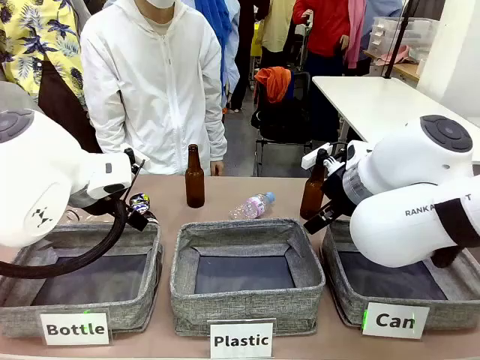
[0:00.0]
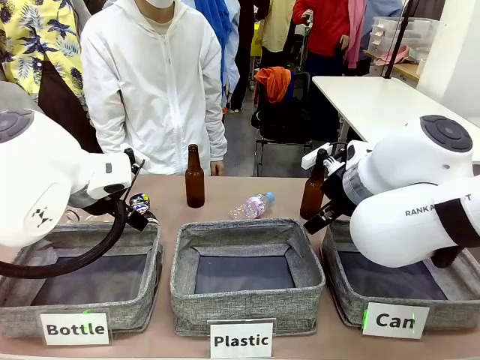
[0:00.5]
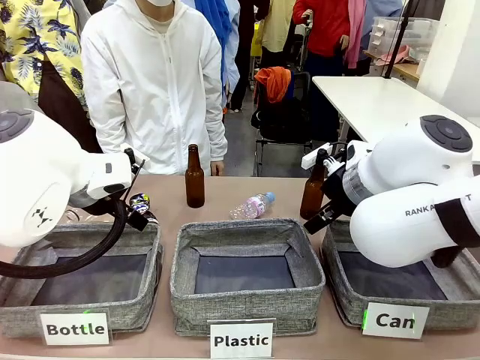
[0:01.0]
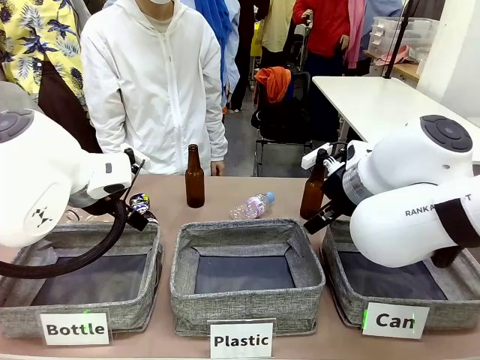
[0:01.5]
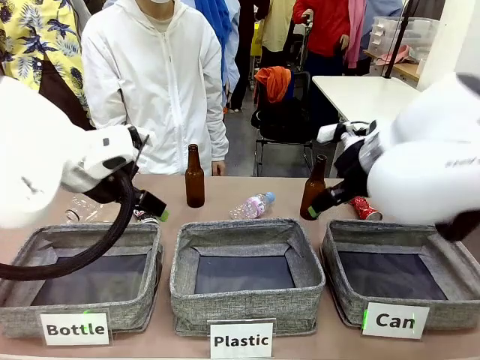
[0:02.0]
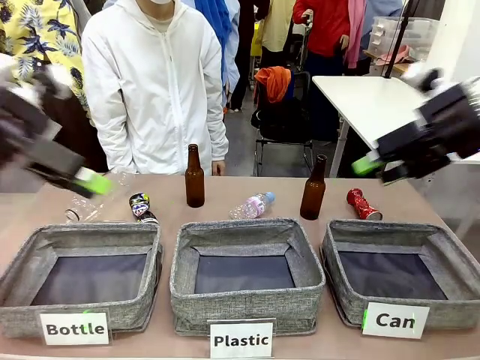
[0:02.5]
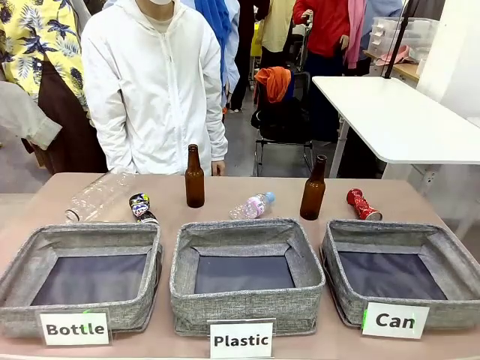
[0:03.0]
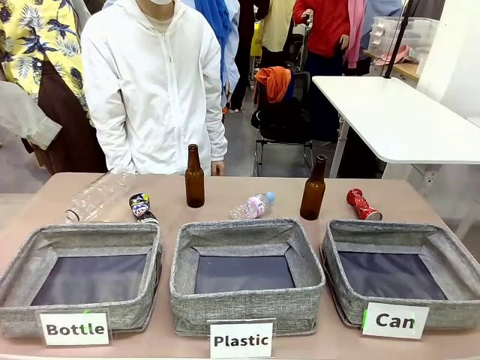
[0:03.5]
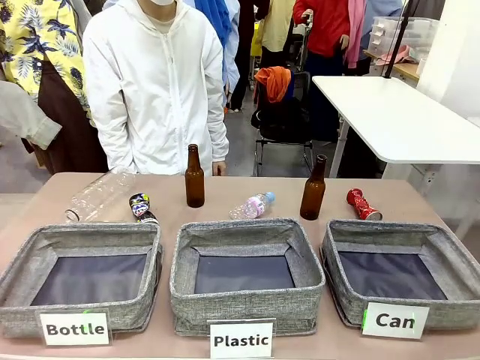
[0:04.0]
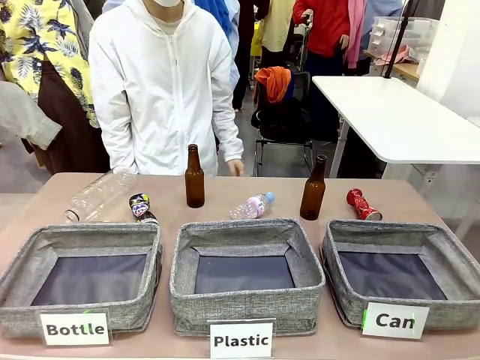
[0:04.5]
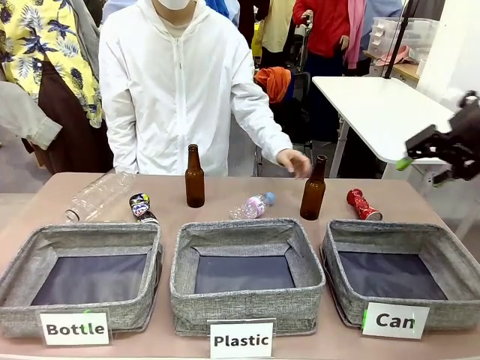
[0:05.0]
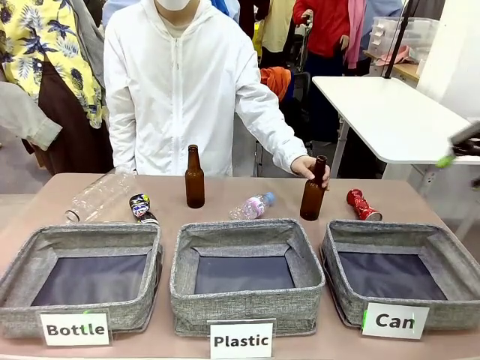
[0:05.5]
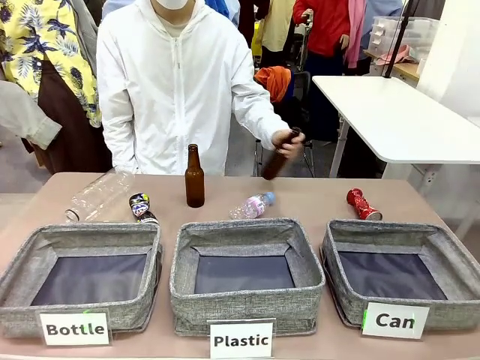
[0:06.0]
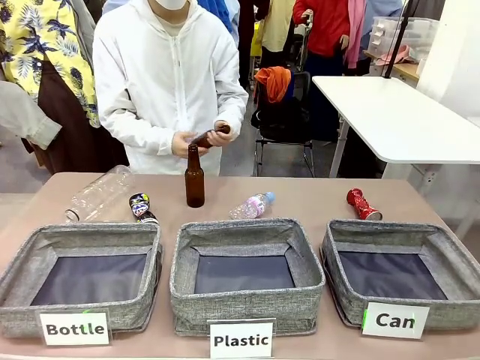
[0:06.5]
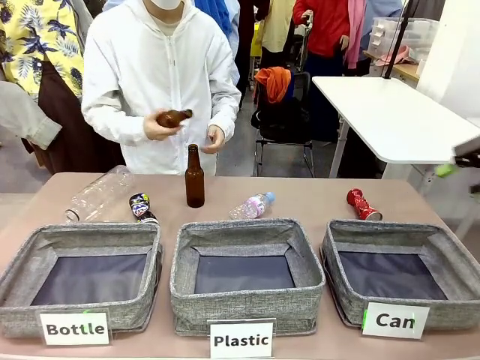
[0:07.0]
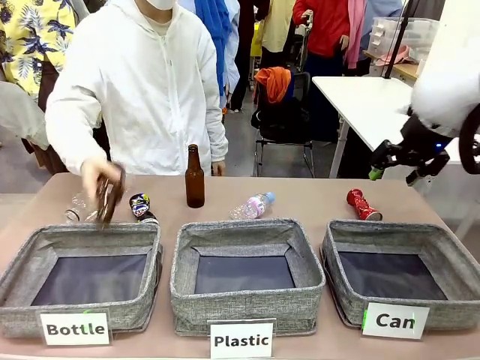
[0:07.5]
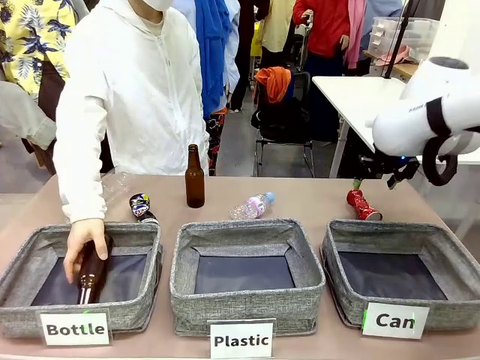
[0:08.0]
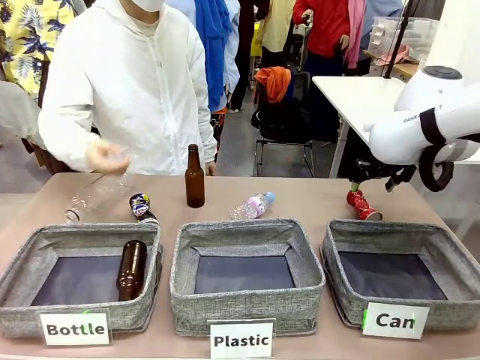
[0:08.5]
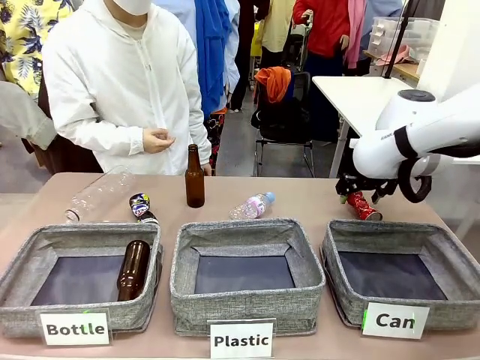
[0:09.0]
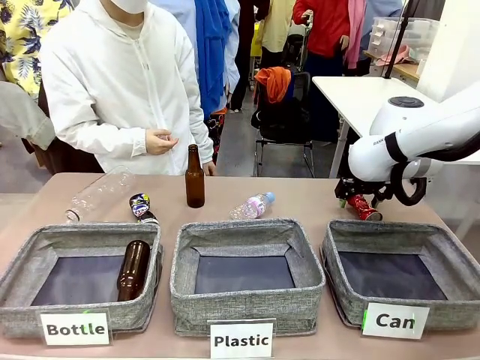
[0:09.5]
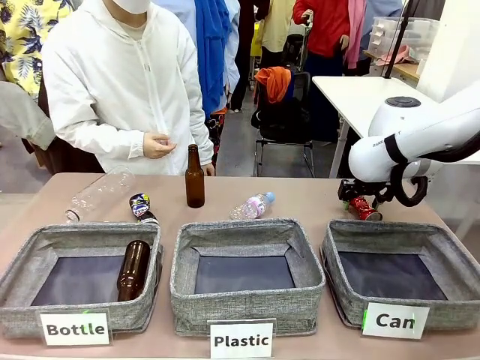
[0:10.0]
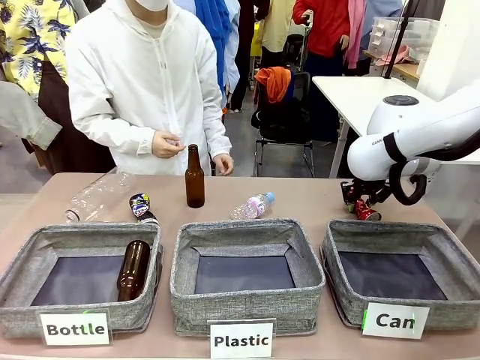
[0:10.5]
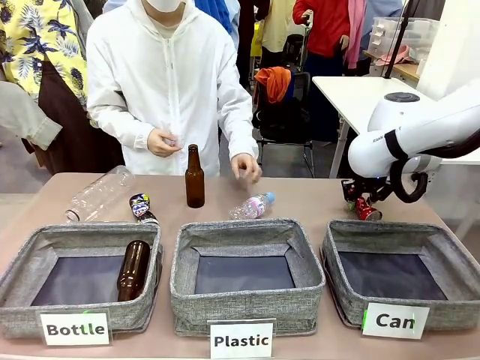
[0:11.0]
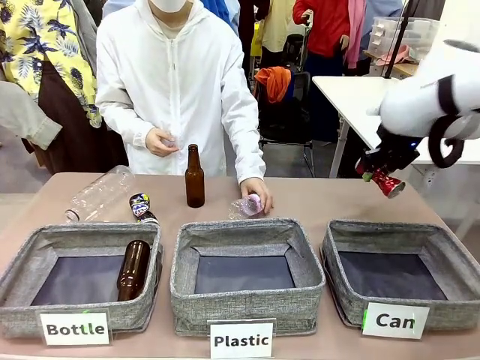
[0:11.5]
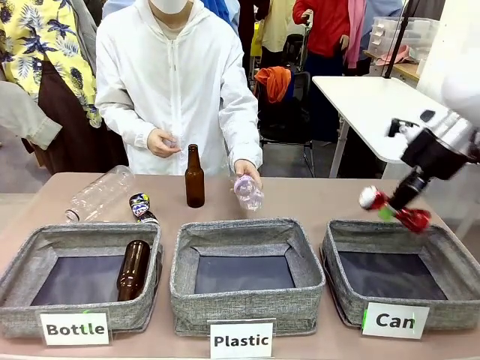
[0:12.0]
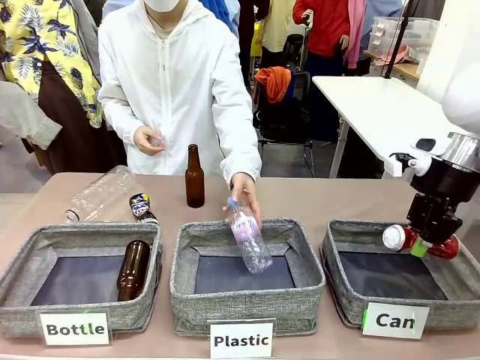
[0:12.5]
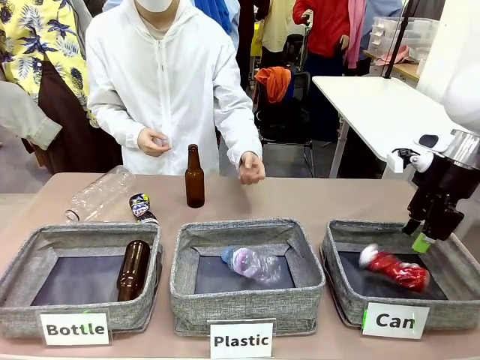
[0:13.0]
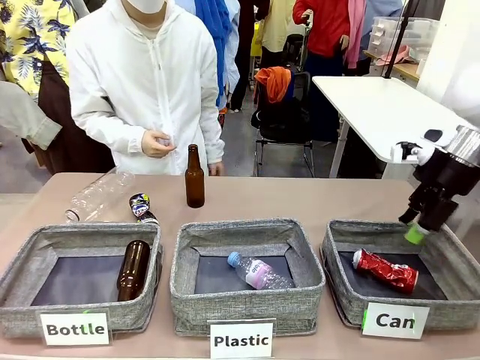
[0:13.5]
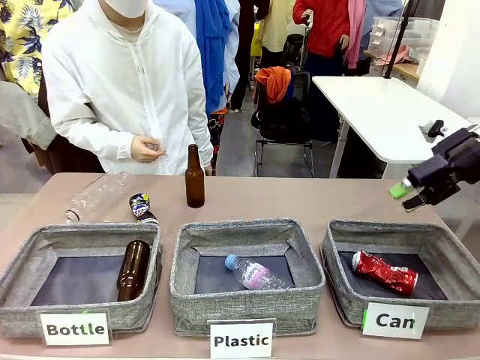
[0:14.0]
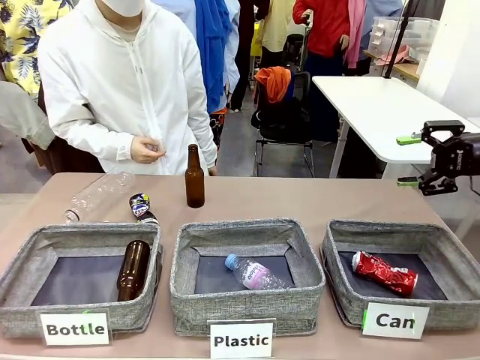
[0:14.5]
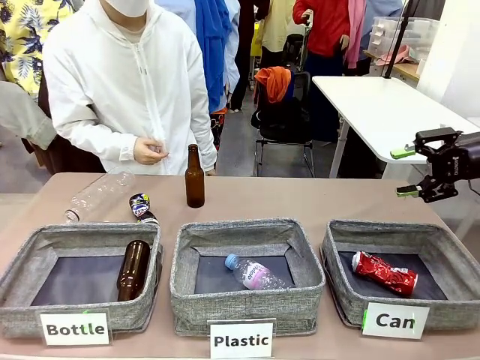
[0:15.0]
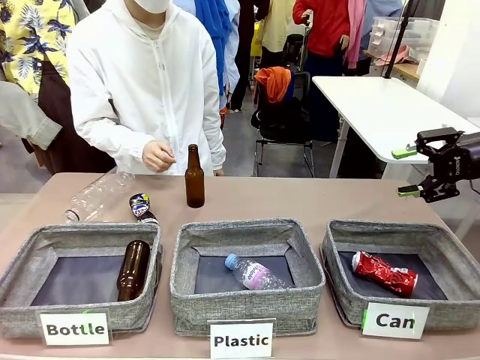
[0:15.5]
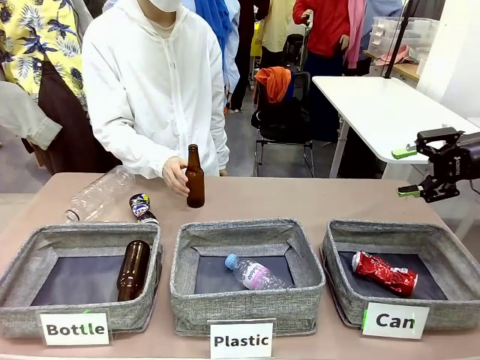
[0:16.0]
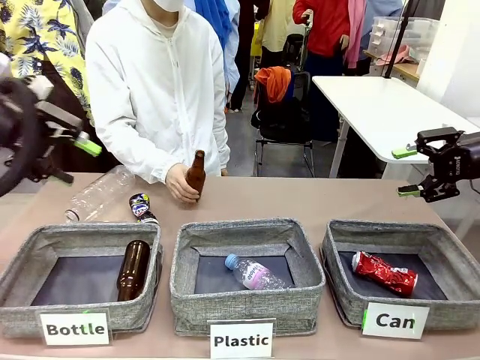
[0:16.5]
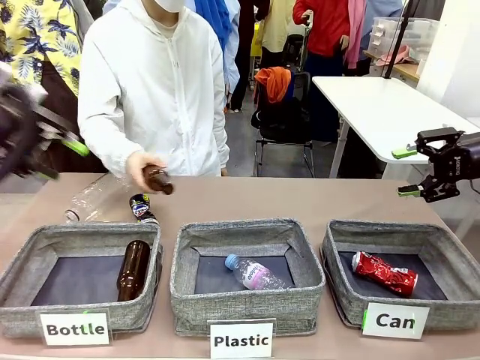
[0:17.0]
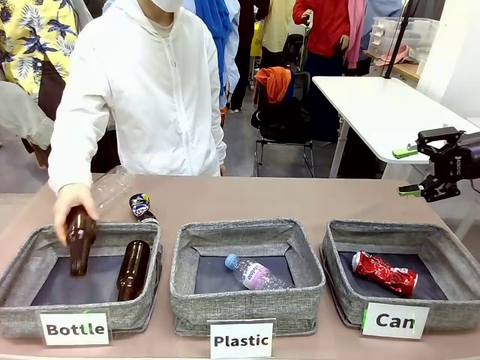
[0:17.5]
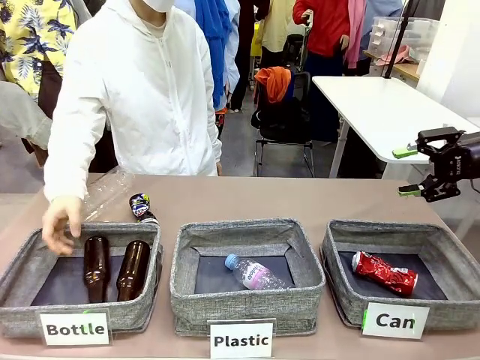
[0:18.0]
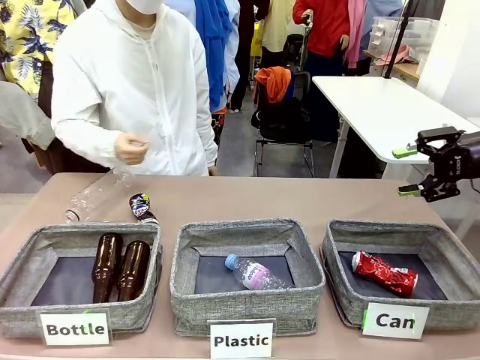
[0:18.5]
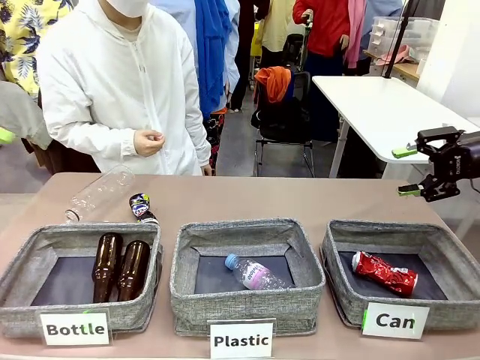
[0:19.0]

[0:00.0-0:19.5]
Task: Sort the can waste into the basket.
Robot: Pick up the can waste from the table and place it in the right Fabric basket.
